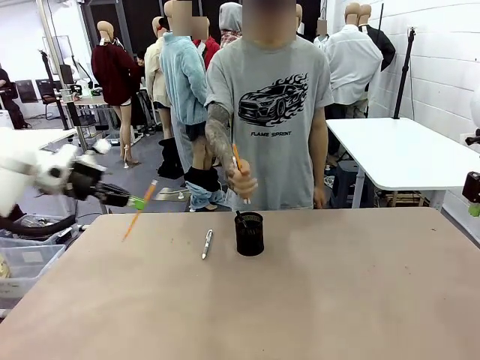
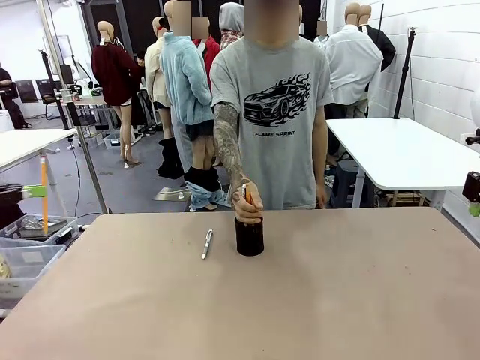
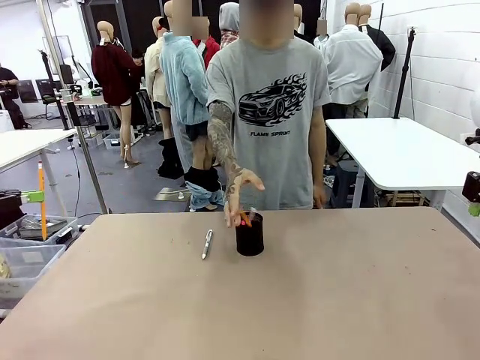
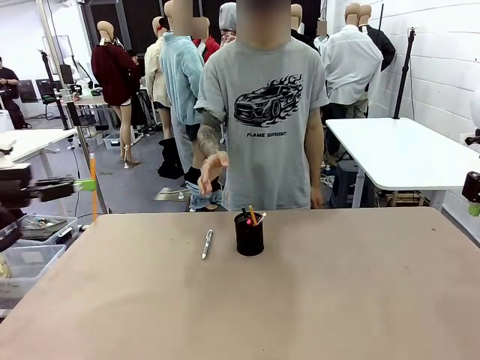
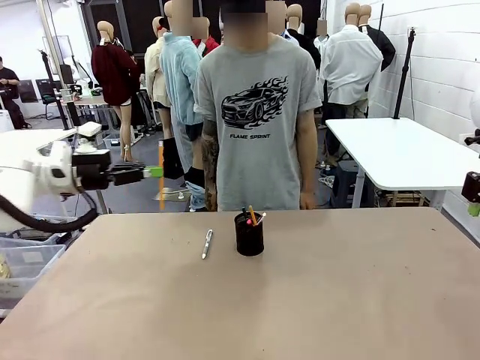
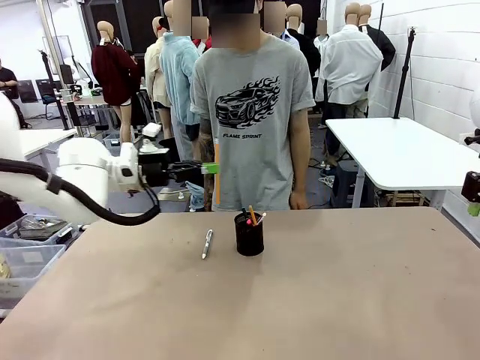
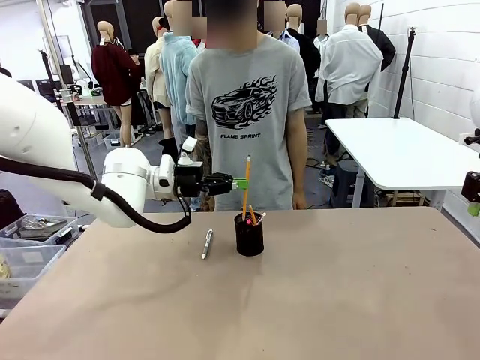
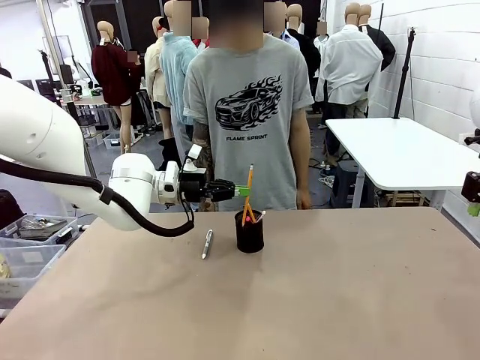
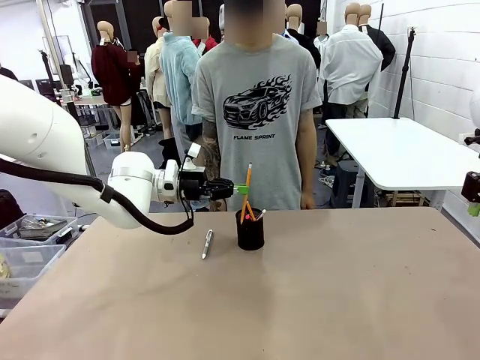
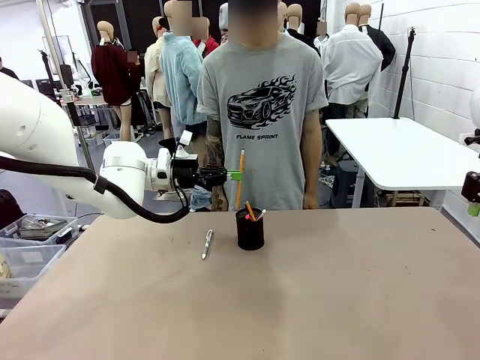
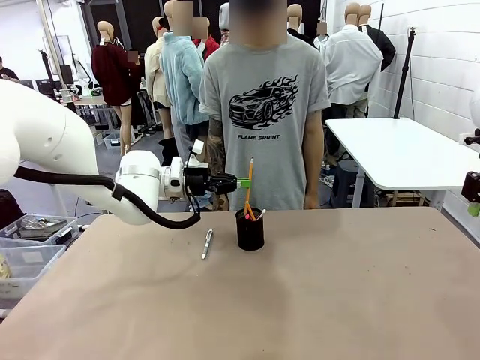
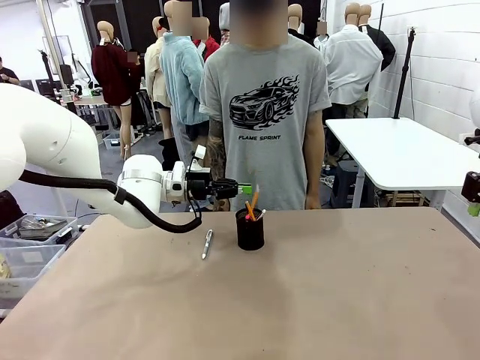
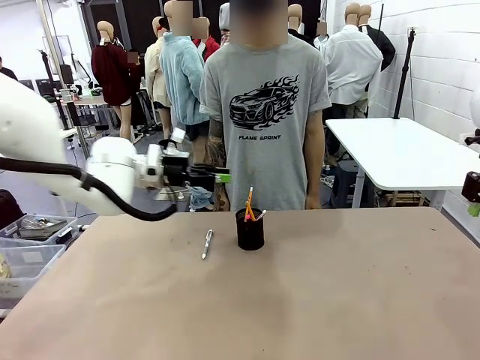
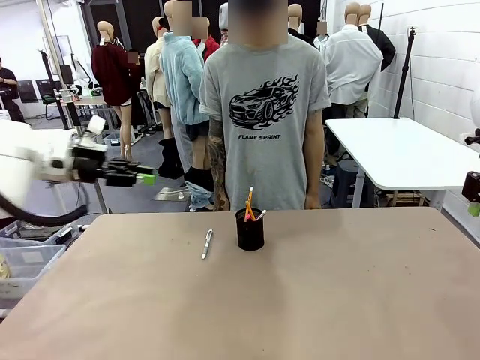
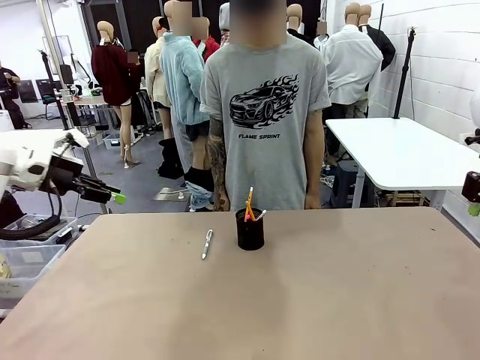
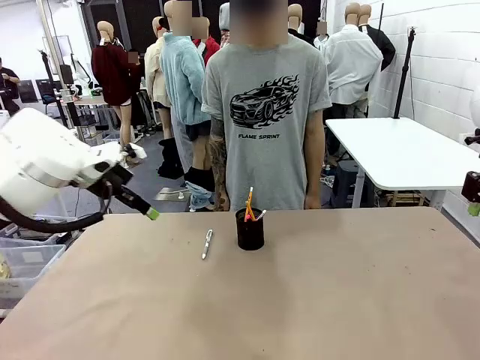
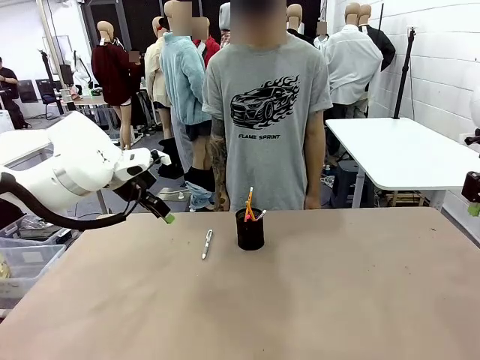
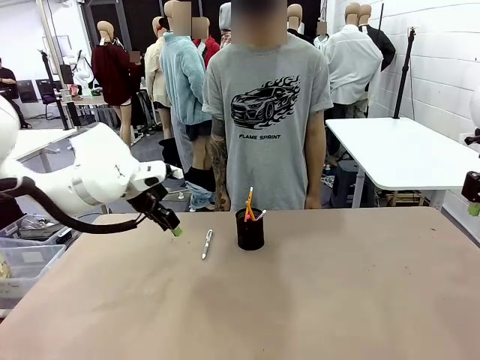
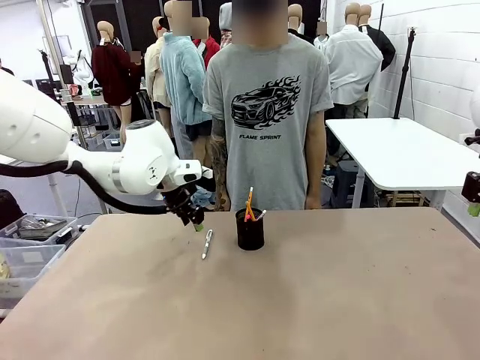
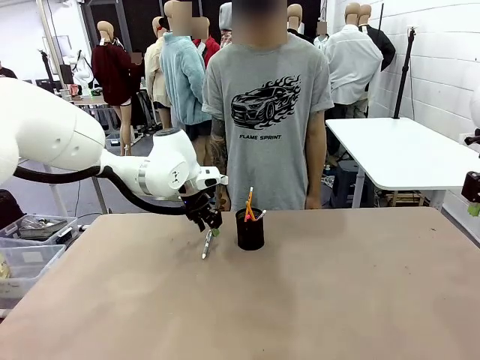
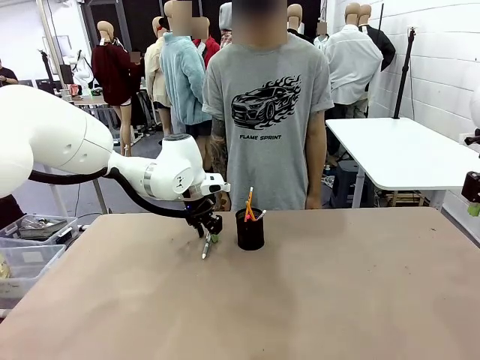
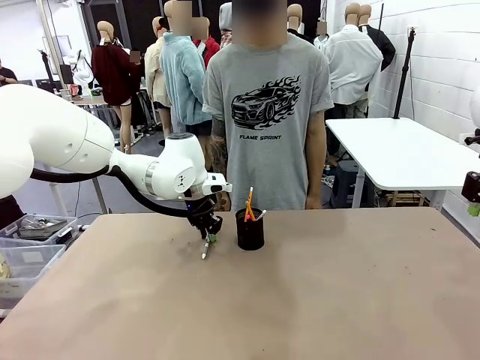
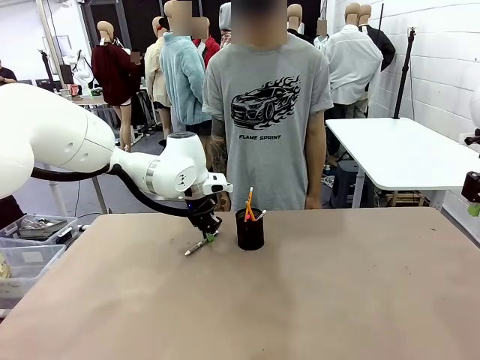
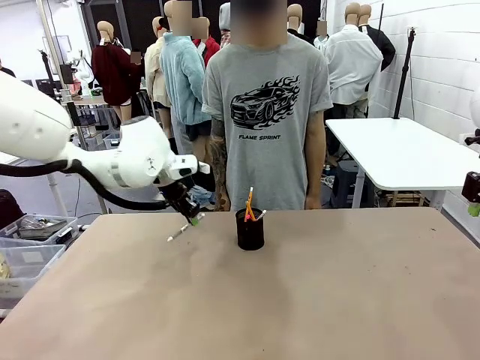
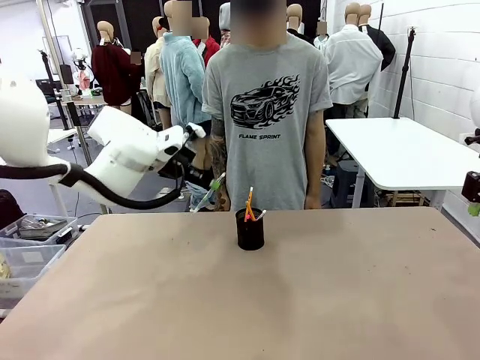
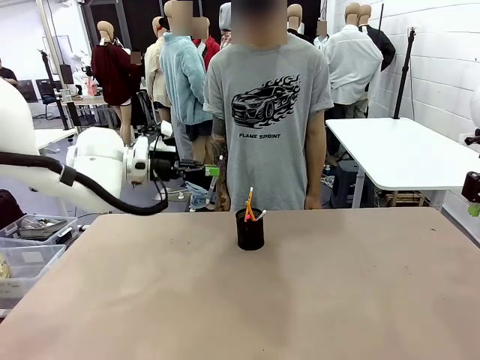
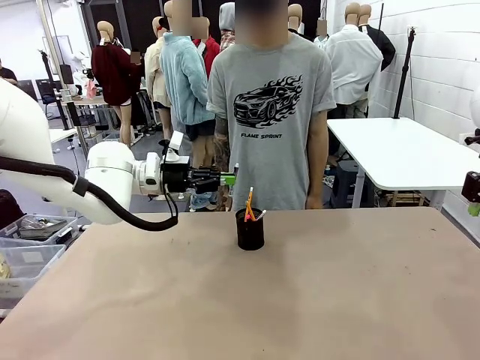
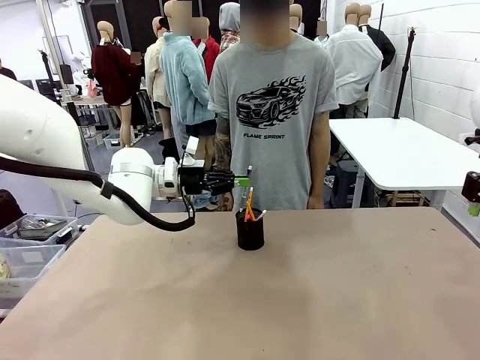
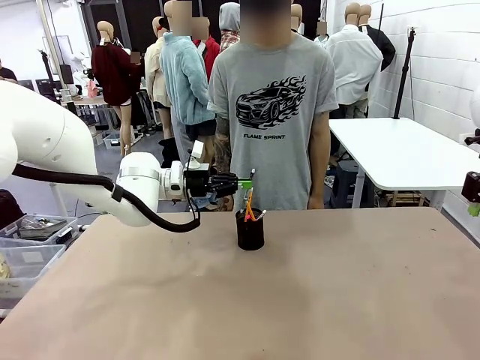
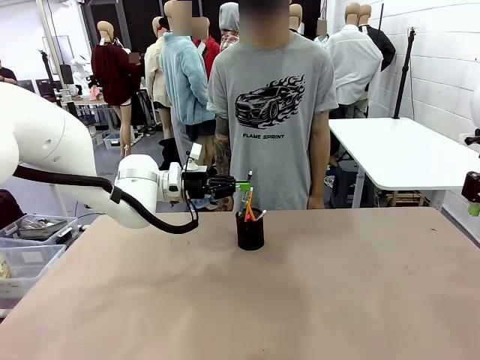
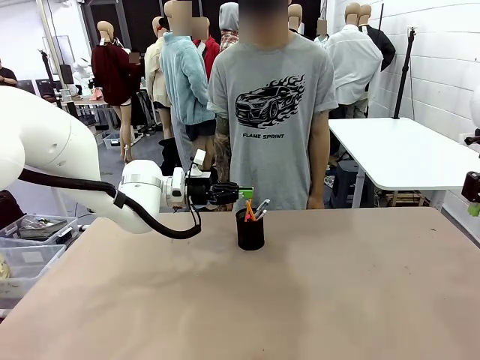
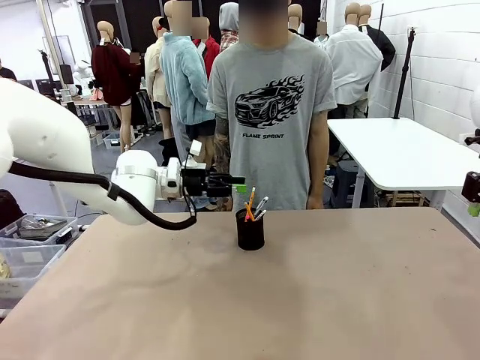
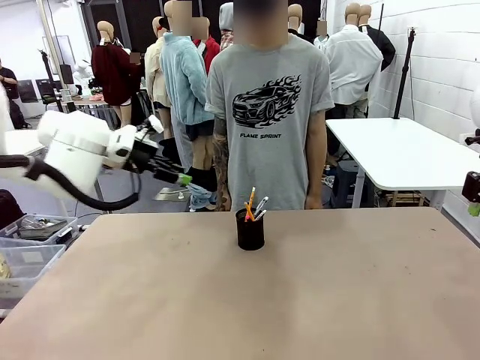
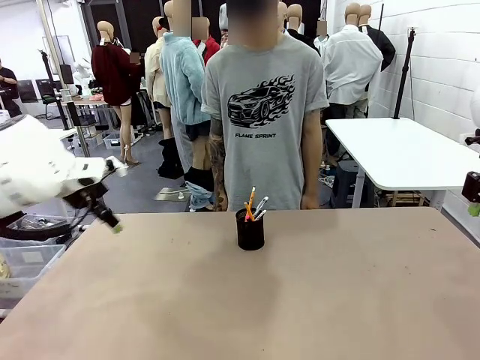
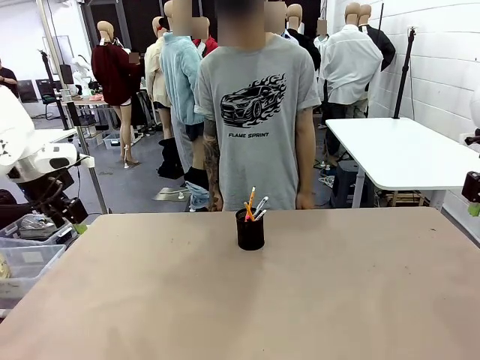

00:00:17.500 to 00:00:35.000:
Task: Place the pens into the pen holder.
Robot: Pick up a writing instrument from the table and place it into the Pen holder.
Person: Place all writing instrument into the Pen holder.
